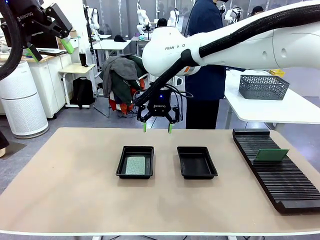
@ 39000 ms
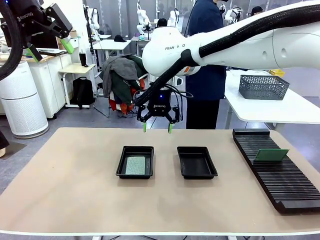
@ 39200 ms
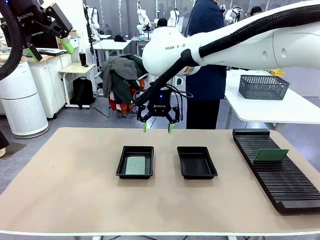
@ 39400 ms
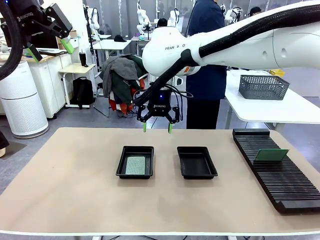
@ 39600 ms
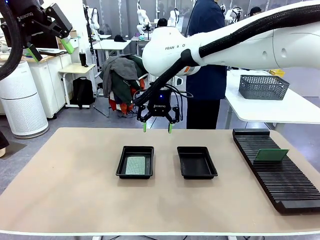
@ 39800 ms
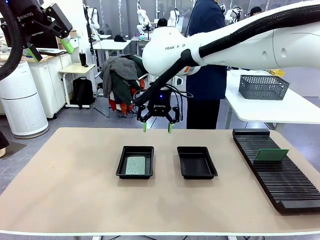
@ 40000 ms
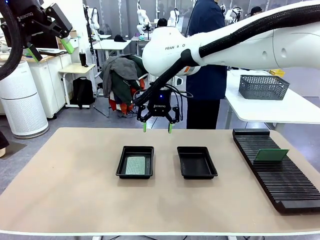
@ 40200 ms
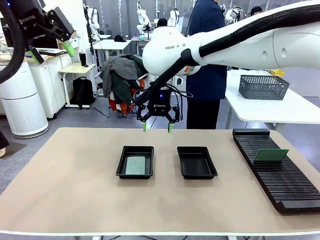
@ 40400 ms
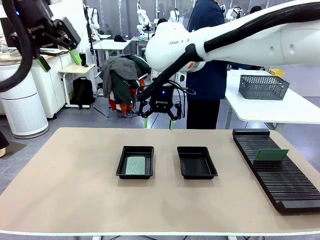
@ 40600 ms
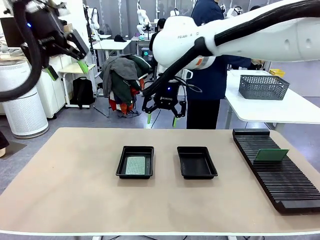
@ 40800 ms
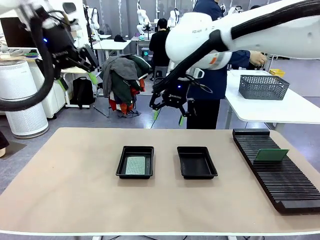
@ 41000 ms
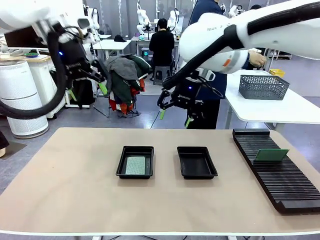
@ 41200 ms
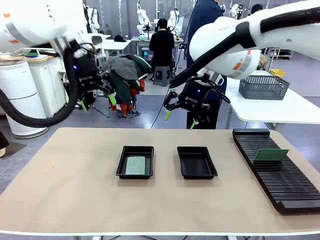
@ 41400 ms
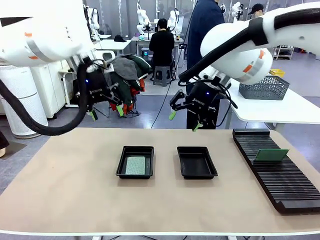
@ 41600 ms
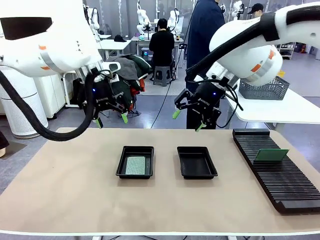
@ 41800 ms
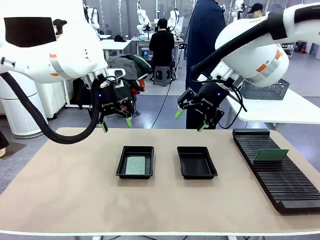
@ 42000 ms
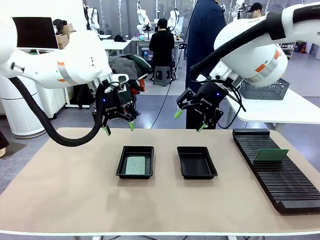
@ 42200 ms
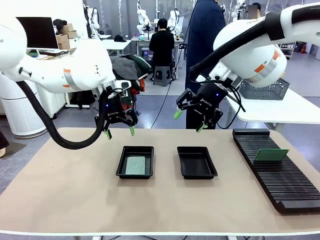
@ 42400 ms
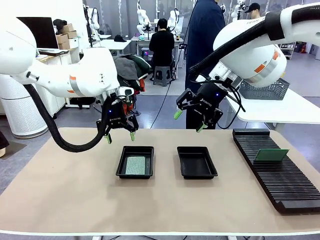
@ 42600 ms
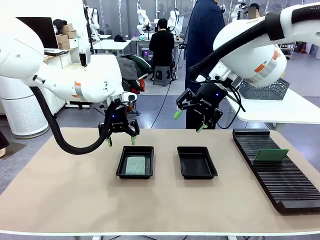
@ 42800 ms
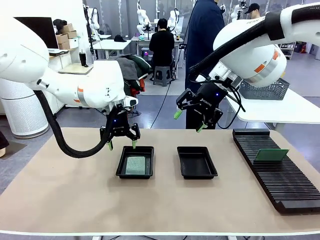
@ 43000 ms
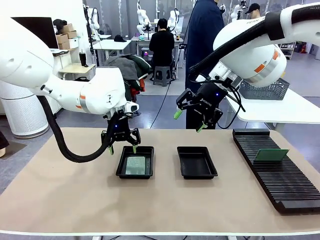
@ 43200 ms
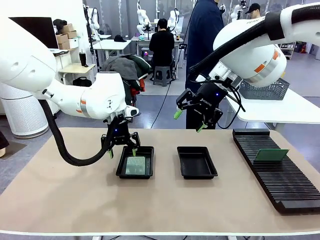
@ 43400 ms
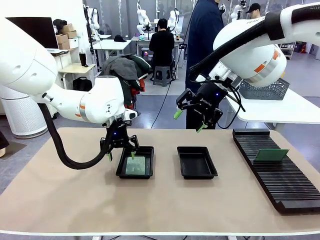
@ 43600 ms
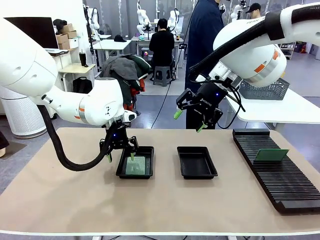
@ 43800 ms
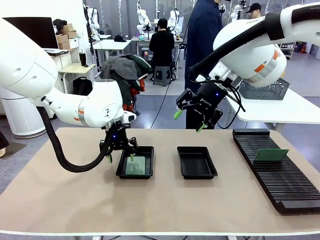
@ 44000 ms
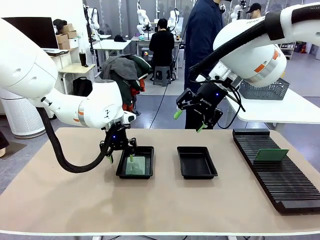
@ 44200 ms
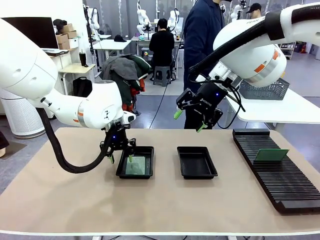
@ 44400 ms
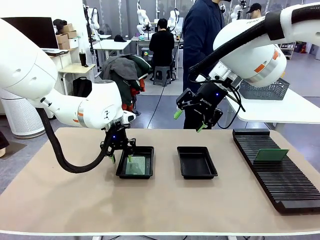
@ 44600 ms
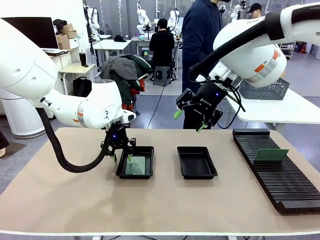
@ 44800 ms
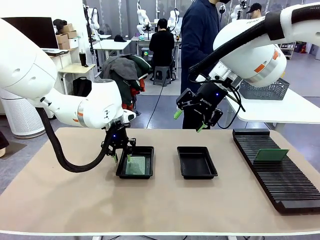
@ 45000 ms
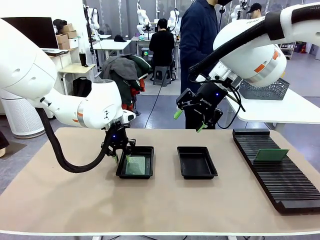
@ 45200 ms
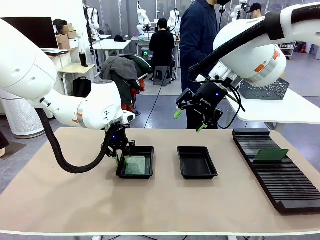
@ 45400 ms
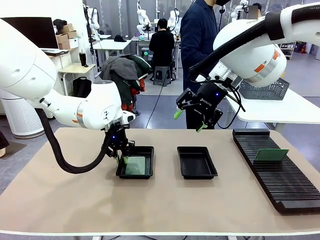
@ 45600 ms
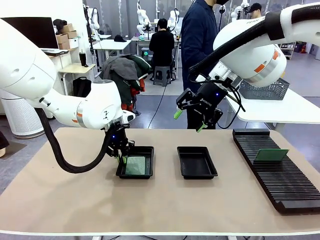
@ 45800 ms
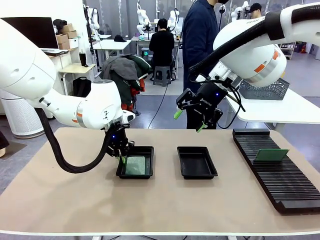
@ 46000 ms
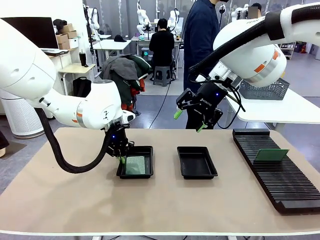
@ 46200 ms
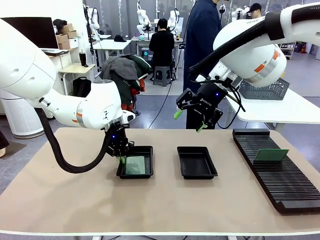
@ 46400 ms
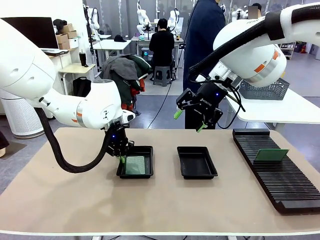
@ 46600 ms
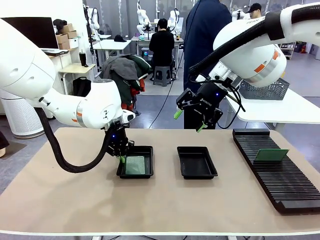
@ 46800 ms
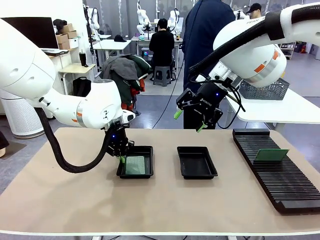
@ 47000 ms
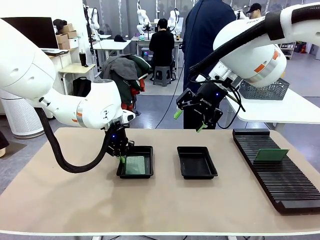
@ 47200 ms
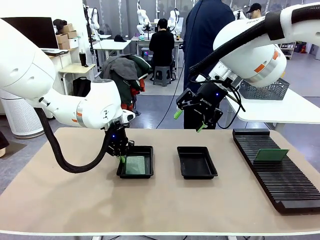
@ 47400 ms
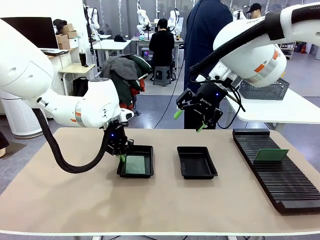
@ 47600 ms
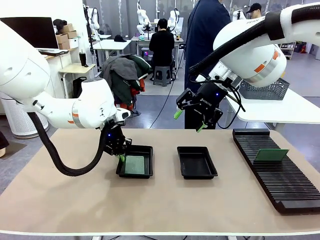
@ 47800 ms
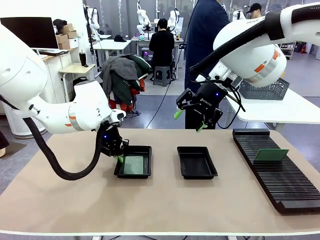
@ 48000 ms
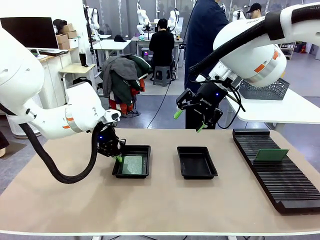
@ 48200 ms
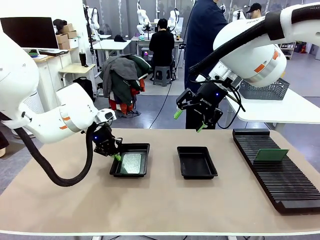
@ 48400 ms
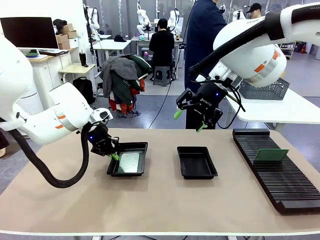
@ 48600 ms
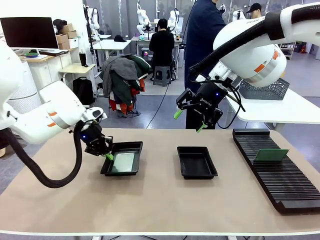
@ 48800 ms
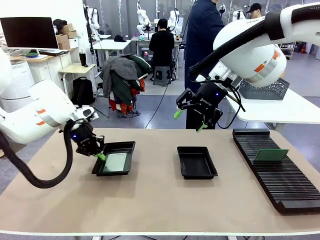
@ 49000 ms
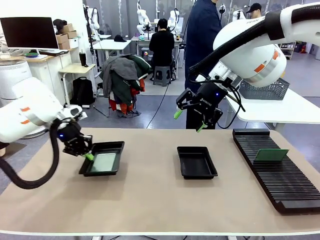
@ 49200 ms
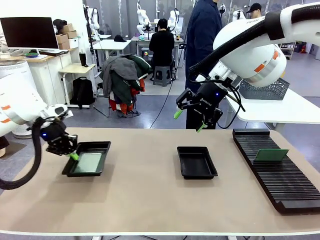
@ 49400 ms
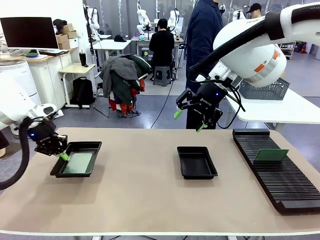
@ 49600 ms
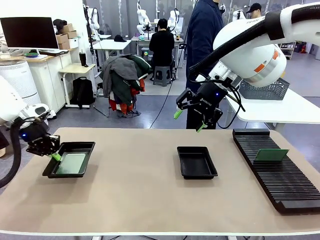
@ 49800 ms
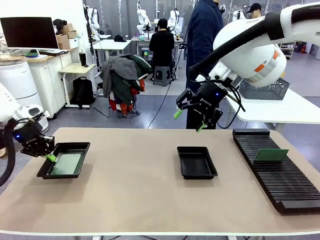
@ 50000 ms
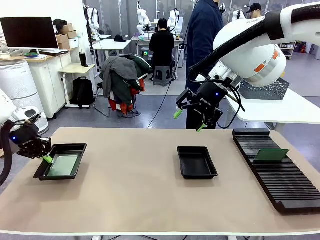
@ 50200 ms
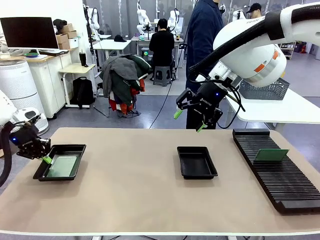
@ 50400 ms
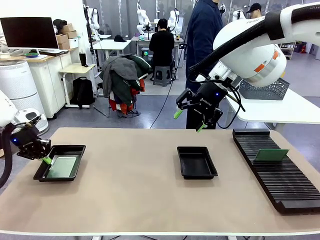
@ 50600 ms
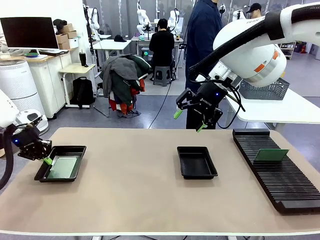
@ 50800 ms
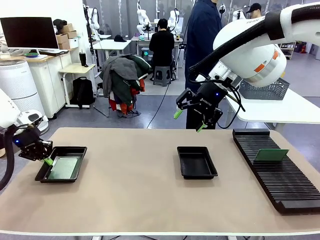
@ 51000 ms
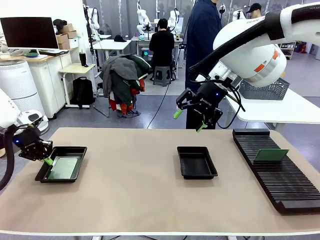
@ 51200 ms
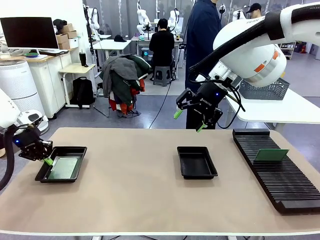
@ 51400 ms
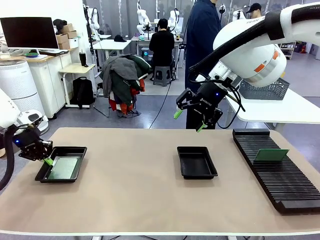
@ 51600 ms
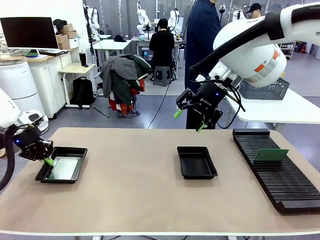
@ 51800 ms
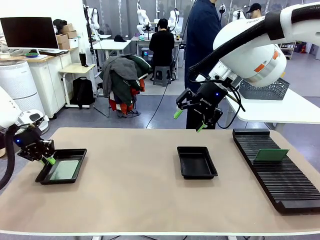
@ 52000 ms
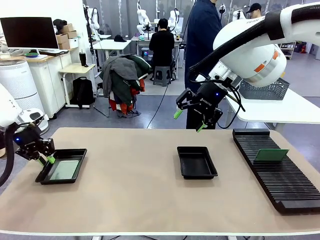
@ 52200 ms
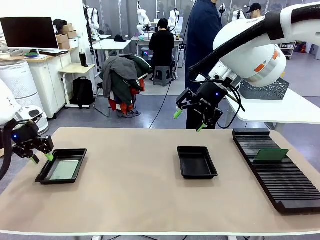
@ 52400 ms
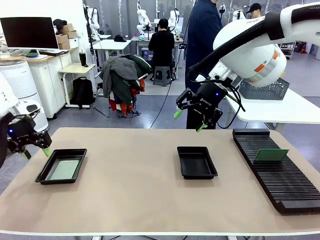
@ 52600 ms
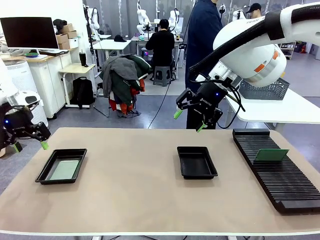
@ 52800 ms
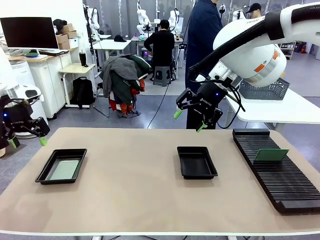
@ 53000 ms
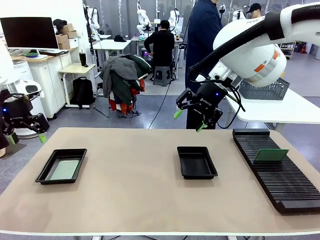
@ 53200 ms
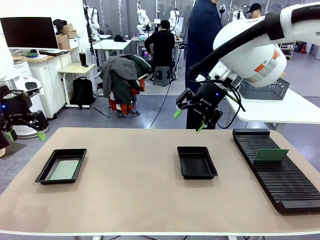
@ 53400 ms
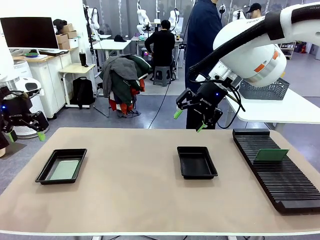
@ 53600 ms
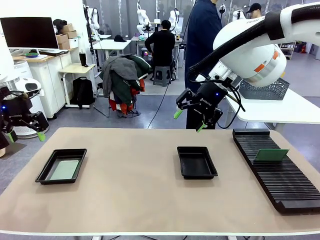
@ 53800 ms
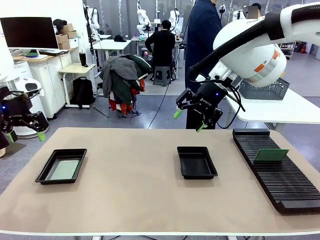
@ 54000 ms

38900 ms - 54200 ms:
Task: Inspect and transfer BCBs to ESD trays.
Robot: Pick up the ESD tray and place it on the left side of the table.
